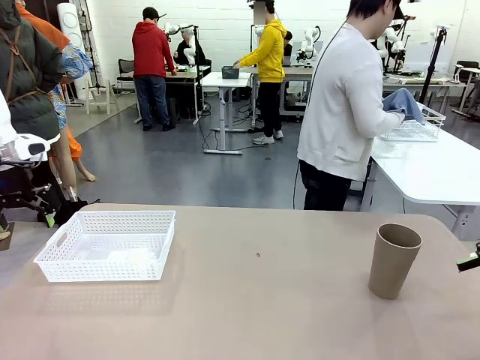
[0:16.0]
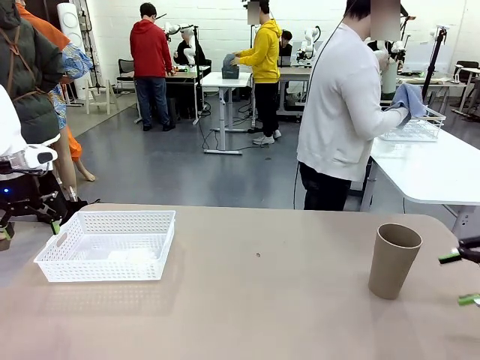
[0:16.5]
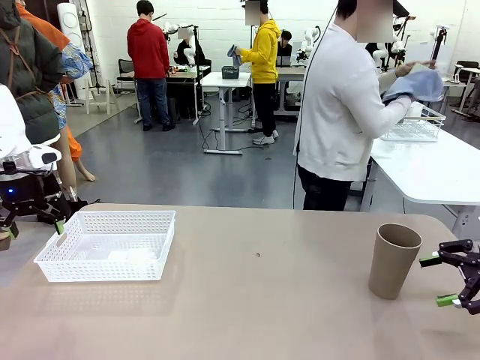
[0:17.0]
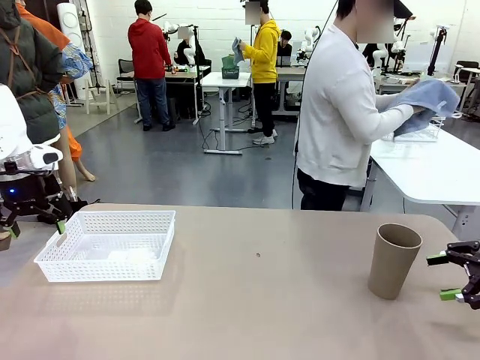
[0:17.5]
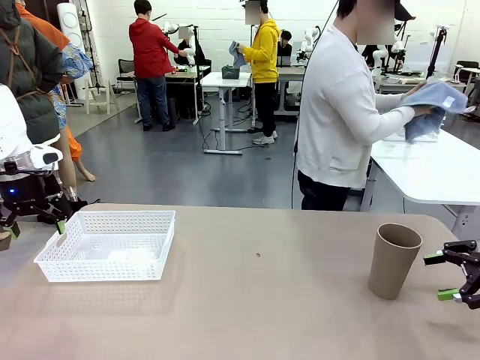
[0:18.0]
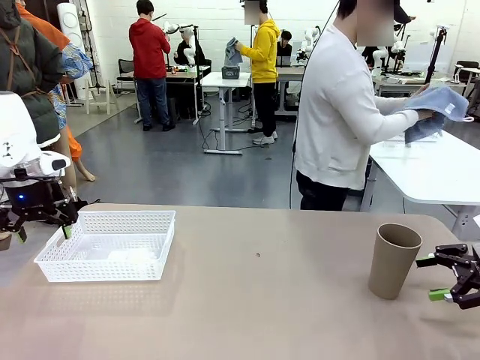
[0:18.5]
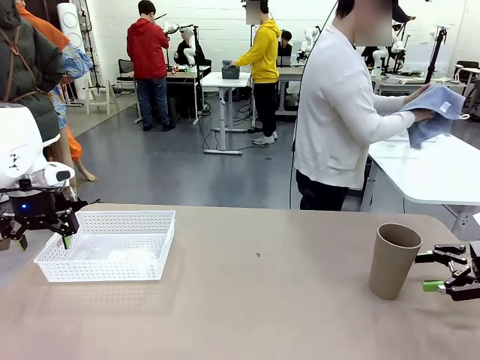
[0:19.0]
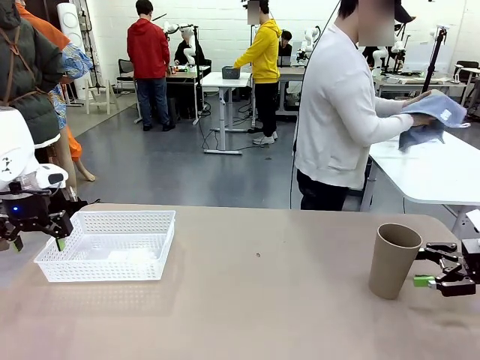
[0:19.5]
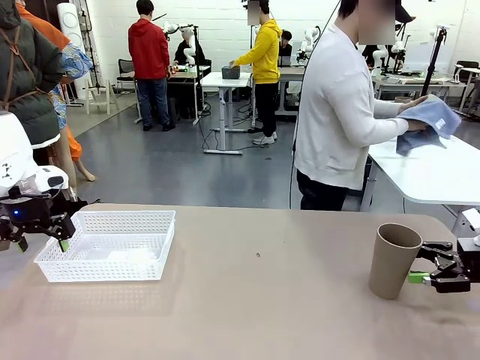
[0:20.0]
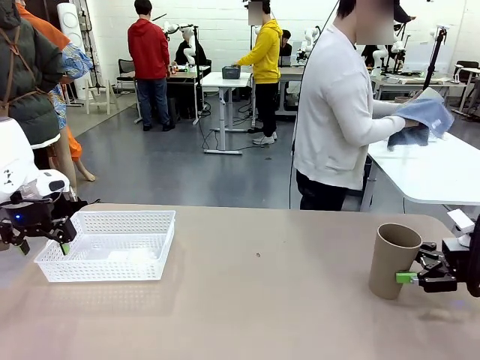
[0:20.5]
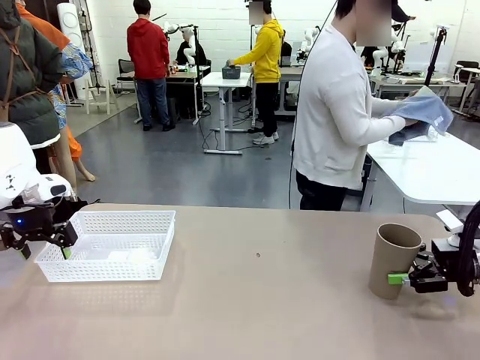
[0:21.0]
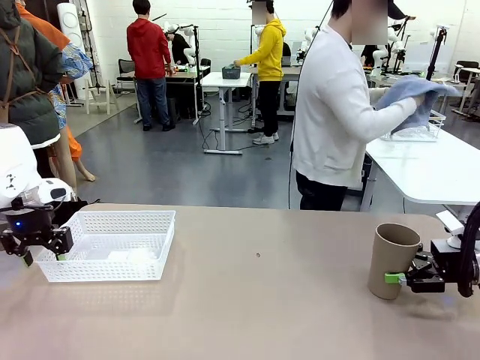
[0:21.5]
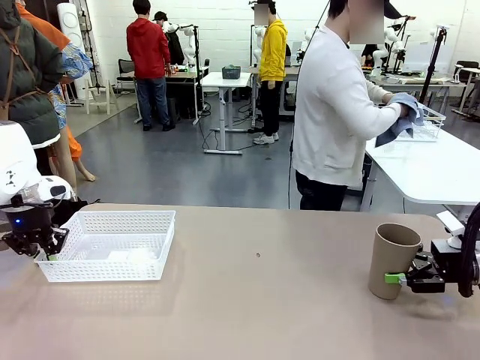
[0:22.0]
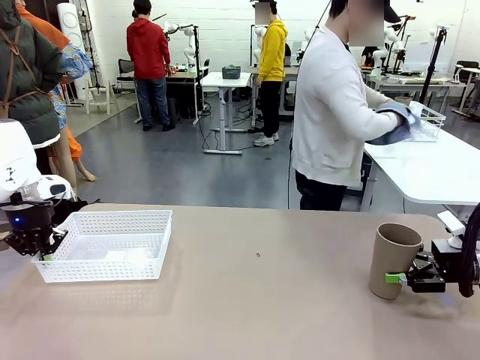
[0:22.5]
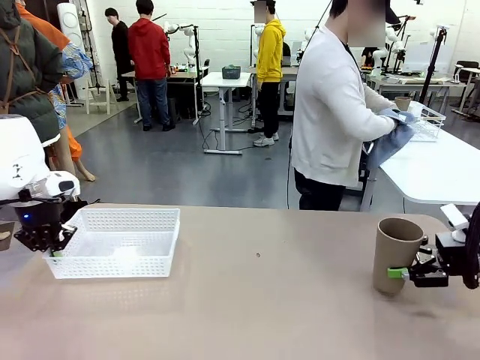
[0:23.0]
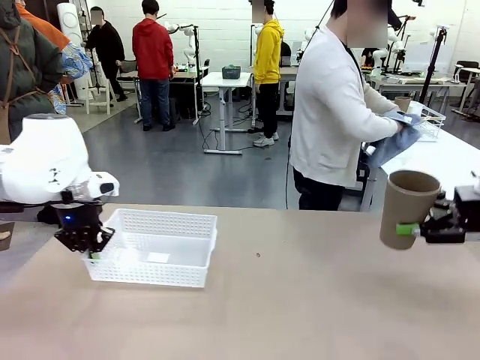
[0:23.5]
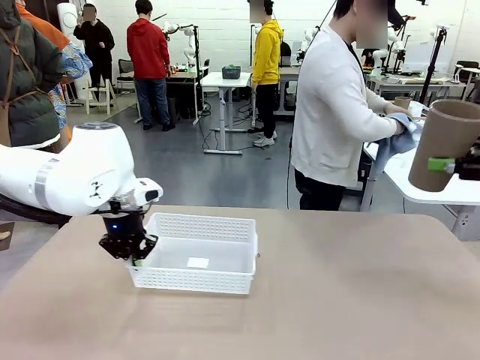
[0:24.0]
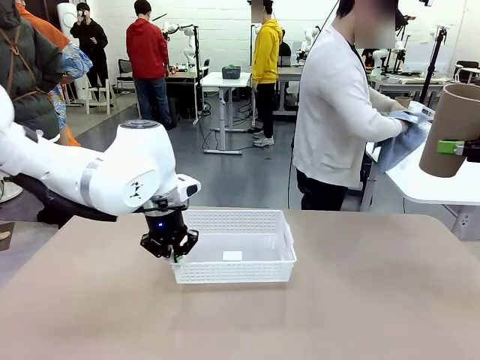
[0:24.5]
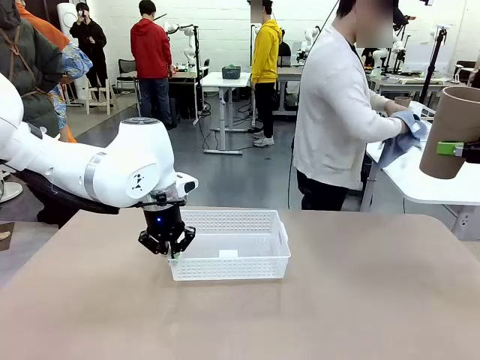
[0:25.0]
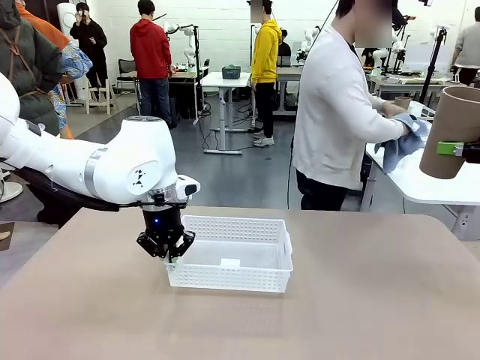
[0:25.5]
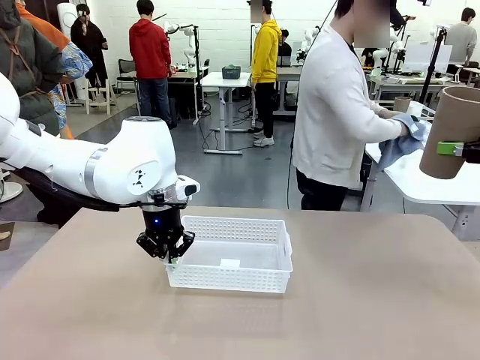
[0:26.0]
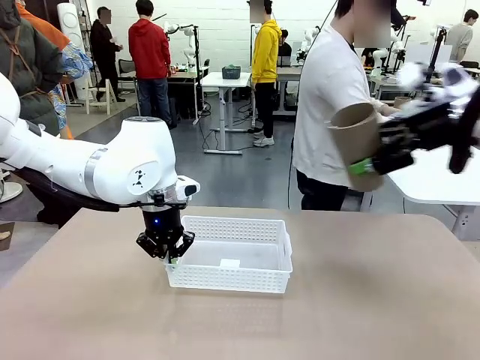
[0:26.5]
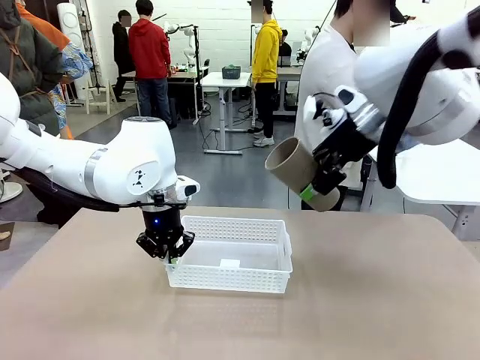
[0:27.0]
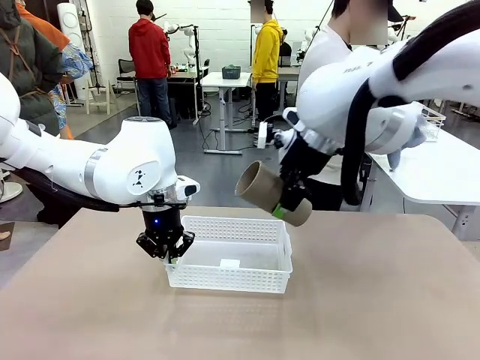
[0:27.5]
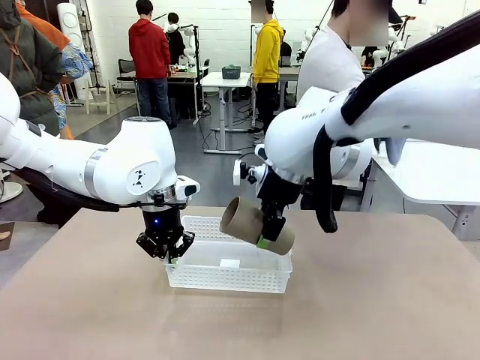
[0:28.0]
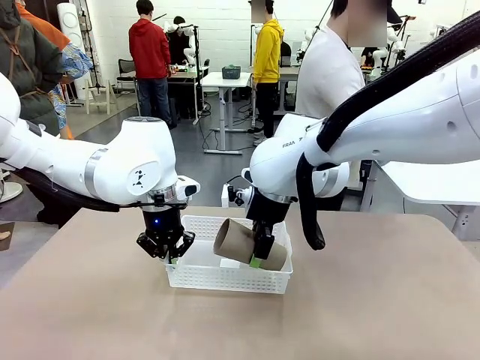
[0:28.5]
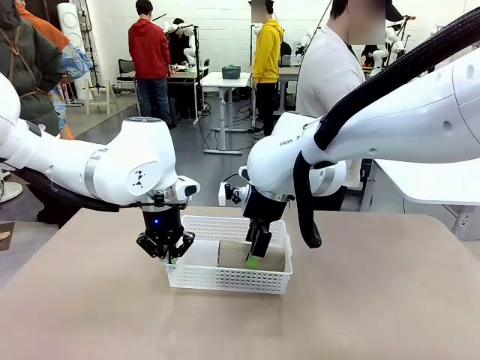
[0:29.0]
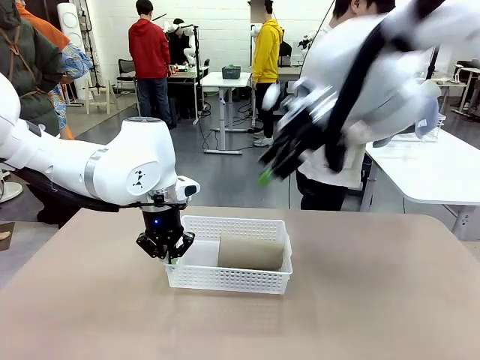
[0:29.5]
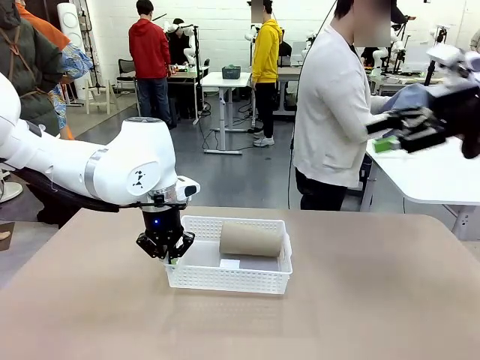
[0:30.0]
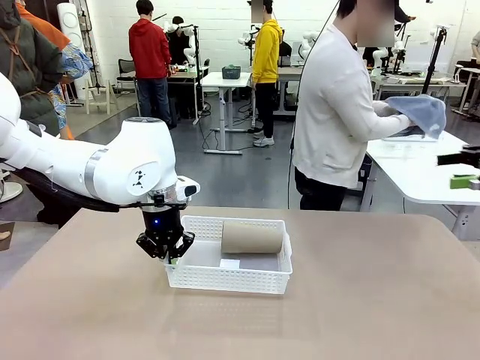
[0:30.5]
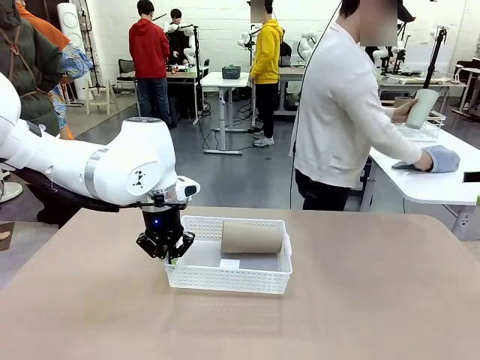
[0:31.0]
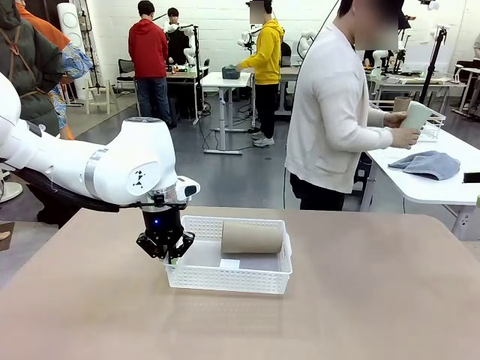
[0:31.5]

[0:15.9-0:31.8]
Task: Clean and organize the cups into the basket.
Robot: Pick up the Organizing basket and move it to the center of the table, then pick up the Reusable plastic cup from the right side of the table and place it inside the Organizing basket.
